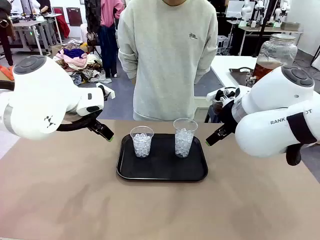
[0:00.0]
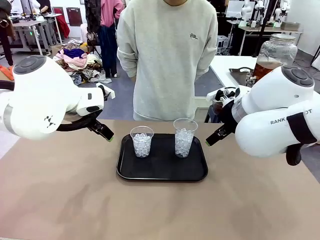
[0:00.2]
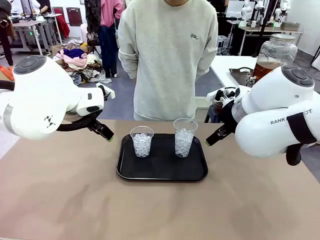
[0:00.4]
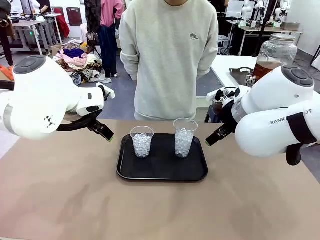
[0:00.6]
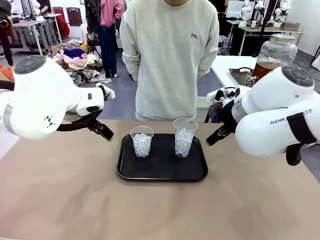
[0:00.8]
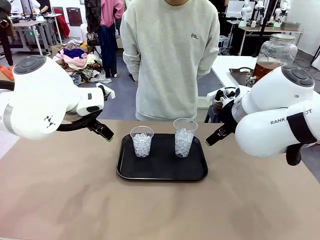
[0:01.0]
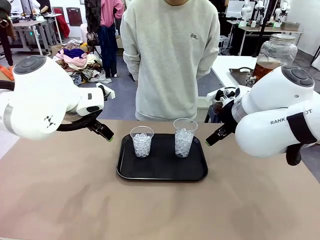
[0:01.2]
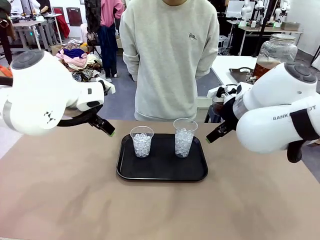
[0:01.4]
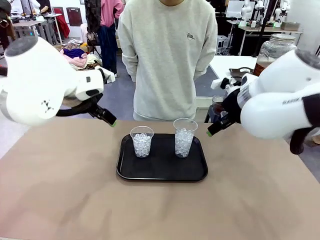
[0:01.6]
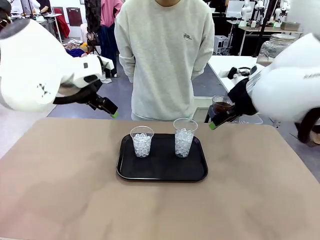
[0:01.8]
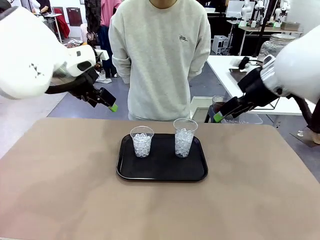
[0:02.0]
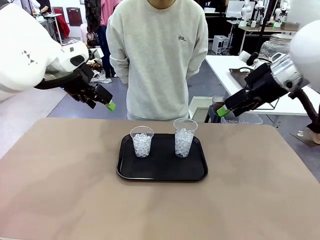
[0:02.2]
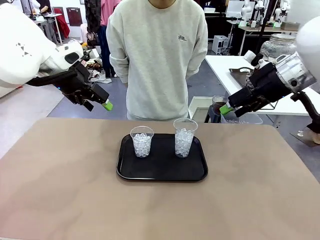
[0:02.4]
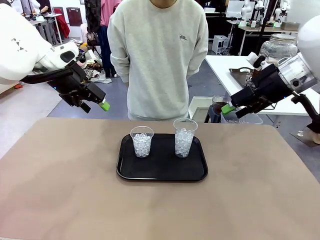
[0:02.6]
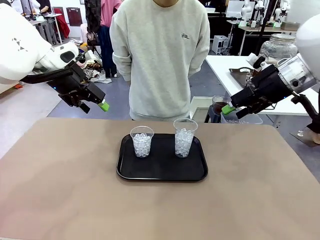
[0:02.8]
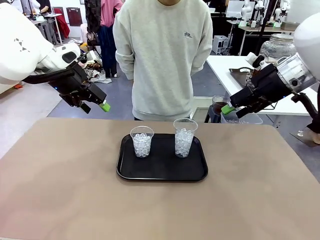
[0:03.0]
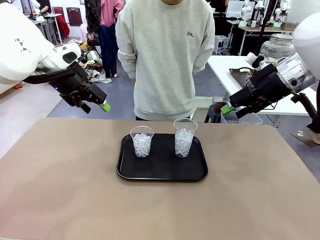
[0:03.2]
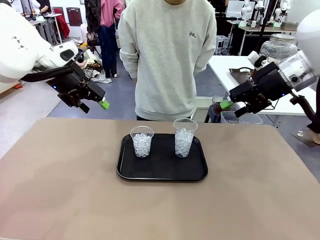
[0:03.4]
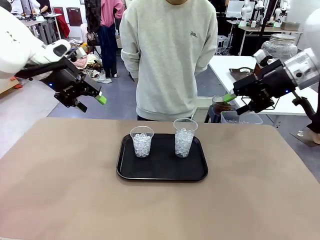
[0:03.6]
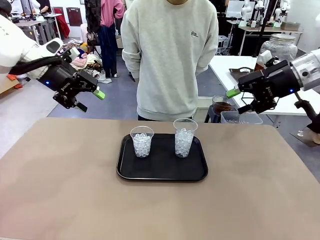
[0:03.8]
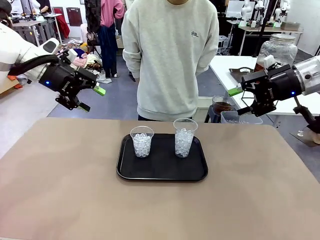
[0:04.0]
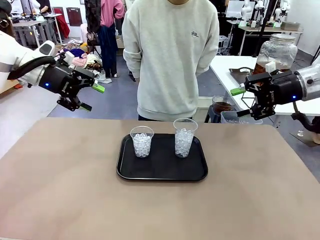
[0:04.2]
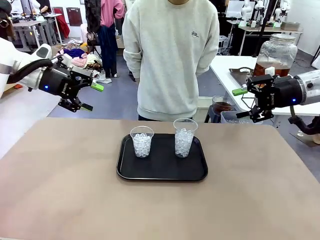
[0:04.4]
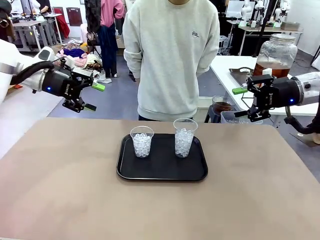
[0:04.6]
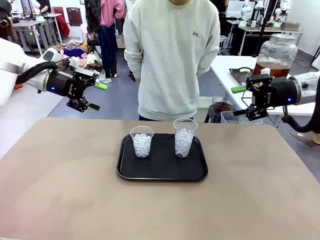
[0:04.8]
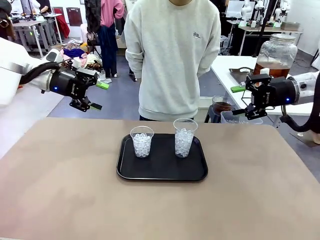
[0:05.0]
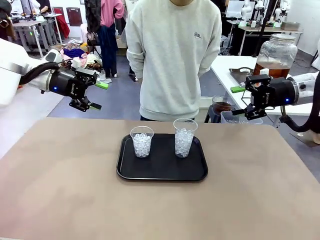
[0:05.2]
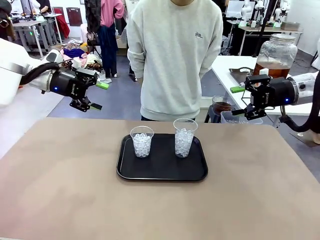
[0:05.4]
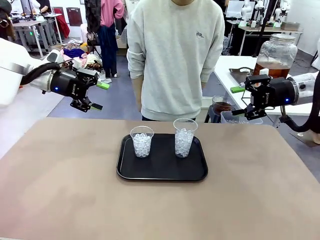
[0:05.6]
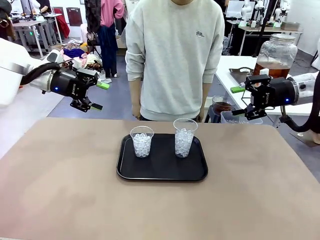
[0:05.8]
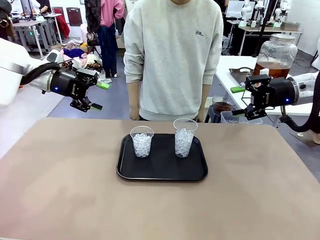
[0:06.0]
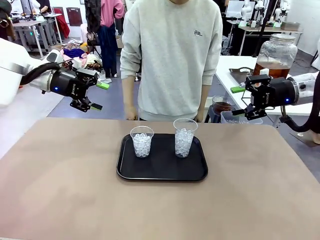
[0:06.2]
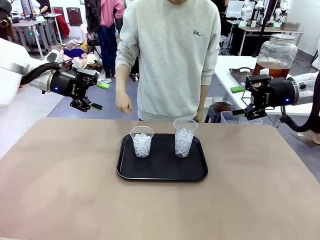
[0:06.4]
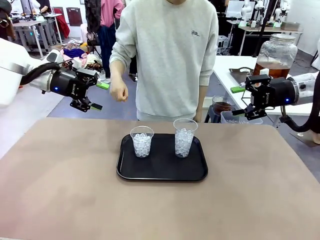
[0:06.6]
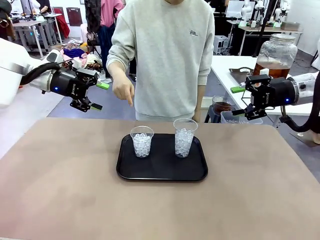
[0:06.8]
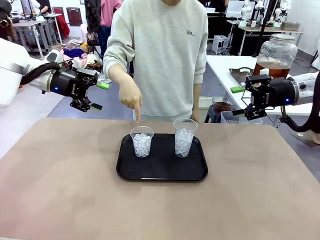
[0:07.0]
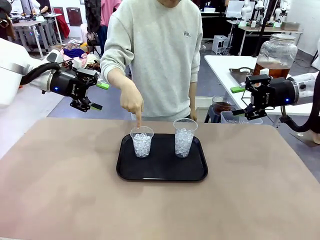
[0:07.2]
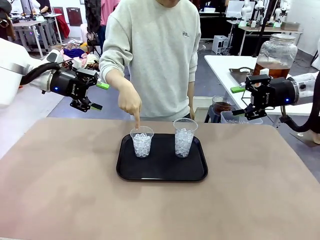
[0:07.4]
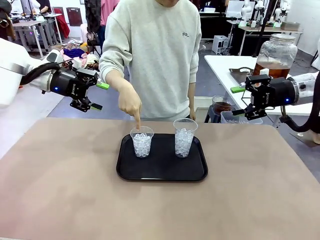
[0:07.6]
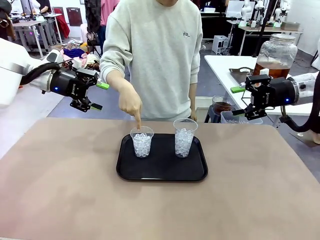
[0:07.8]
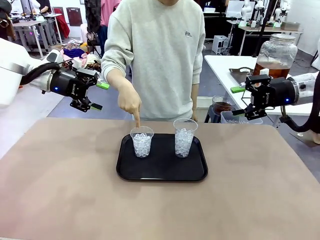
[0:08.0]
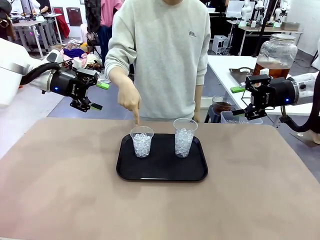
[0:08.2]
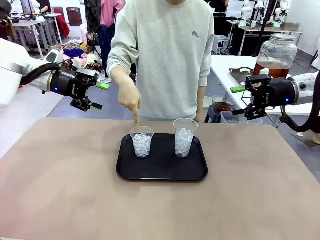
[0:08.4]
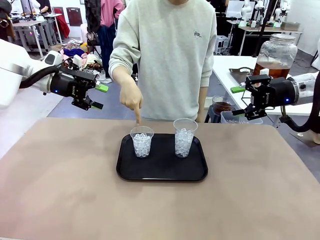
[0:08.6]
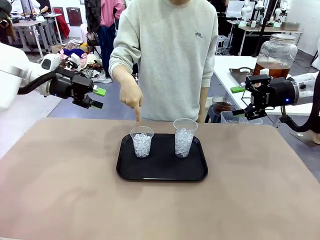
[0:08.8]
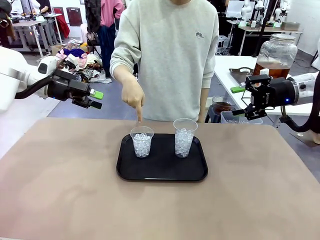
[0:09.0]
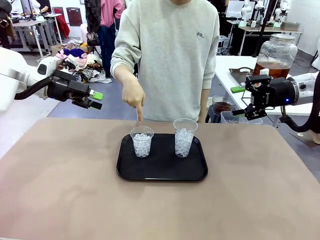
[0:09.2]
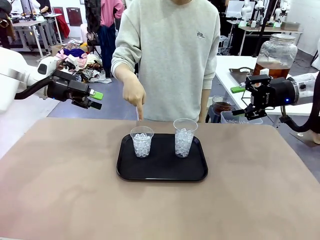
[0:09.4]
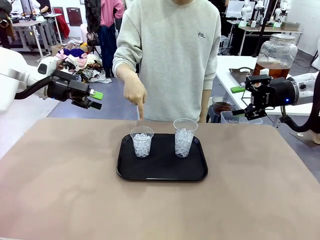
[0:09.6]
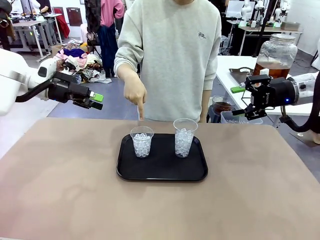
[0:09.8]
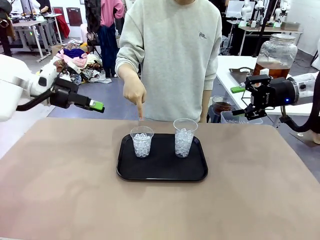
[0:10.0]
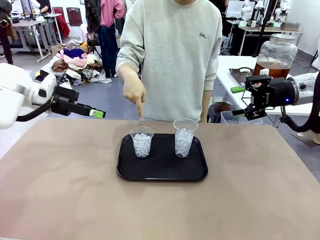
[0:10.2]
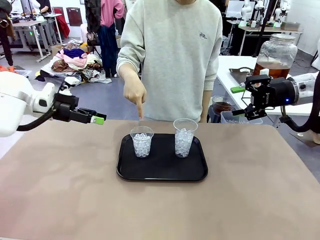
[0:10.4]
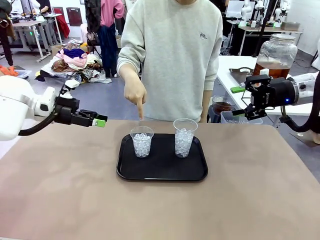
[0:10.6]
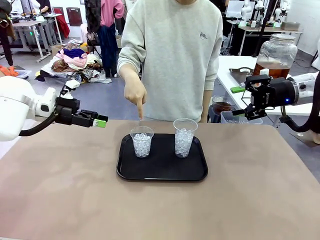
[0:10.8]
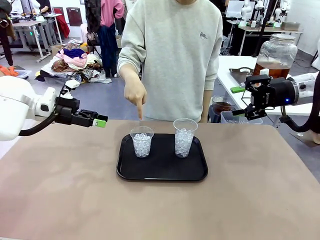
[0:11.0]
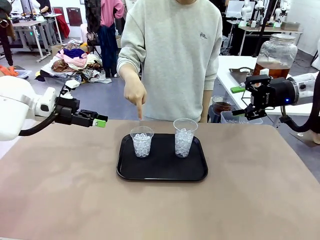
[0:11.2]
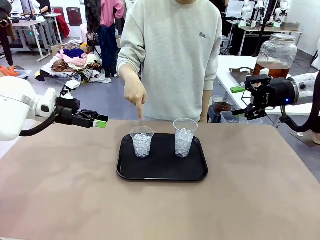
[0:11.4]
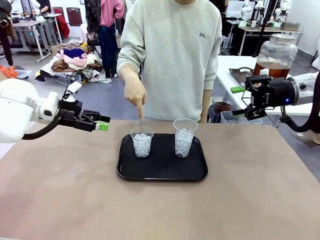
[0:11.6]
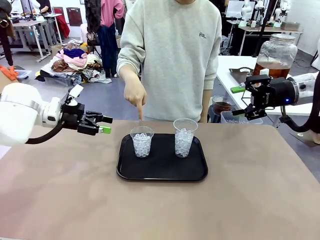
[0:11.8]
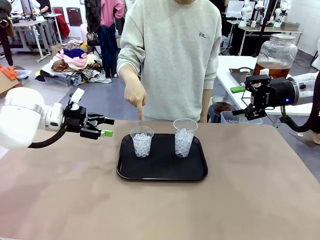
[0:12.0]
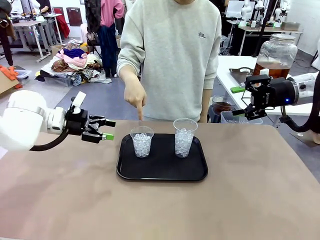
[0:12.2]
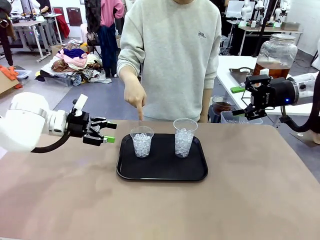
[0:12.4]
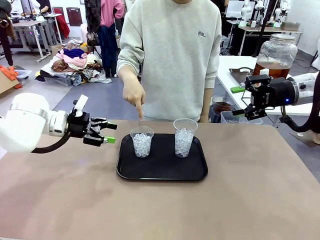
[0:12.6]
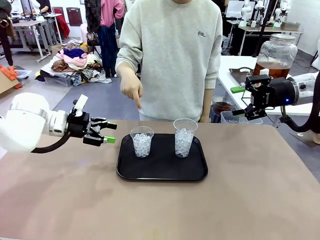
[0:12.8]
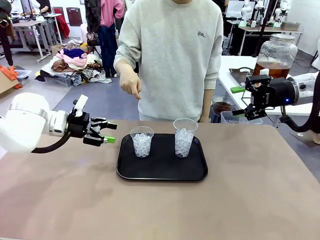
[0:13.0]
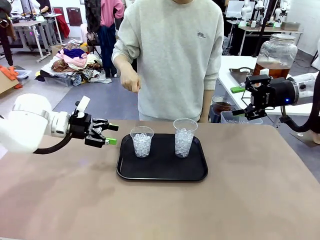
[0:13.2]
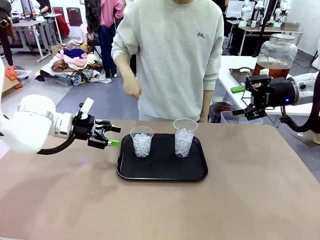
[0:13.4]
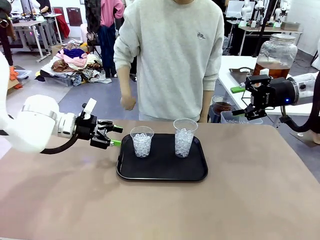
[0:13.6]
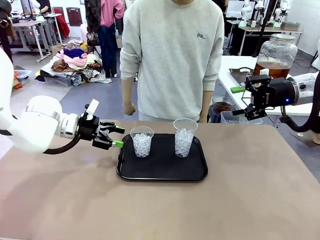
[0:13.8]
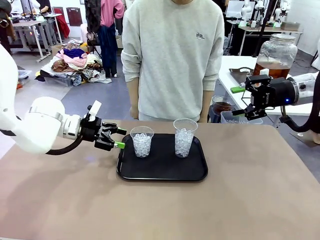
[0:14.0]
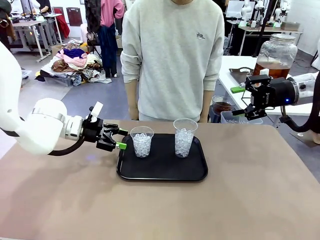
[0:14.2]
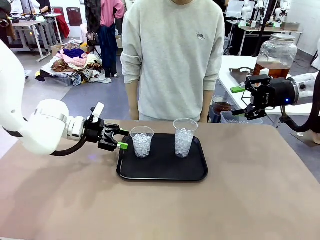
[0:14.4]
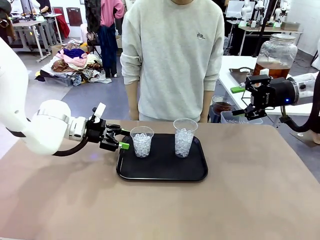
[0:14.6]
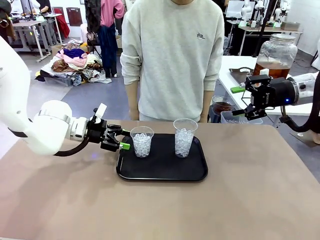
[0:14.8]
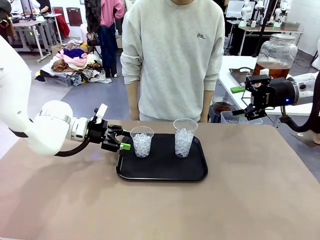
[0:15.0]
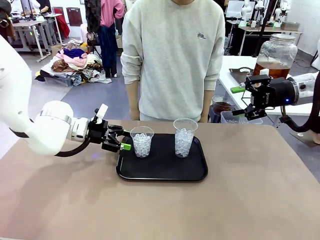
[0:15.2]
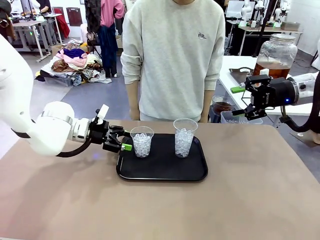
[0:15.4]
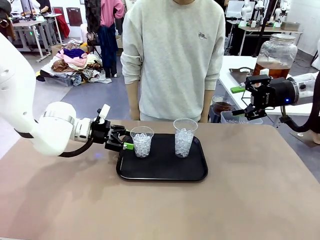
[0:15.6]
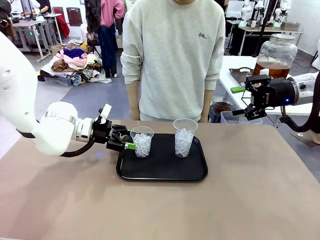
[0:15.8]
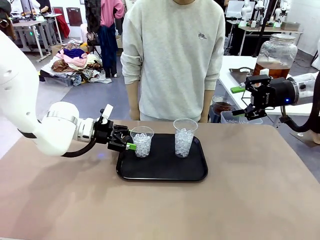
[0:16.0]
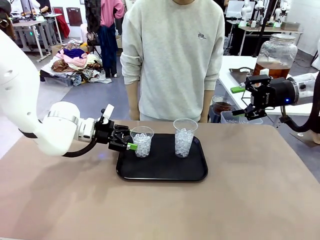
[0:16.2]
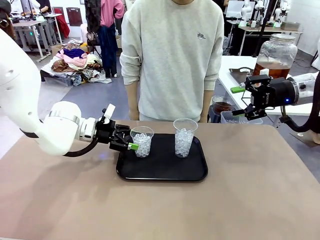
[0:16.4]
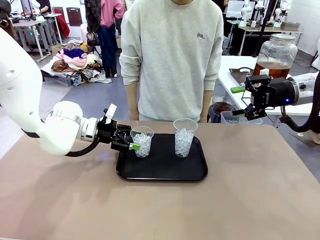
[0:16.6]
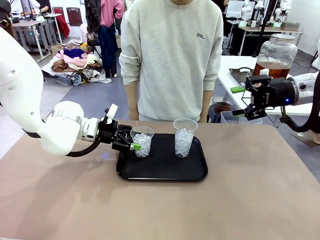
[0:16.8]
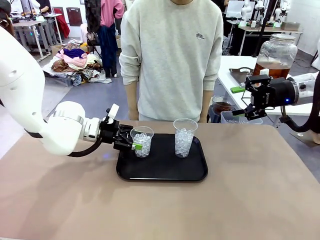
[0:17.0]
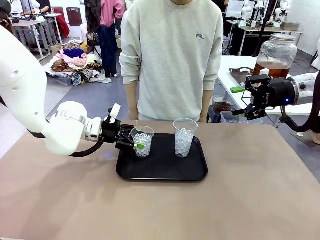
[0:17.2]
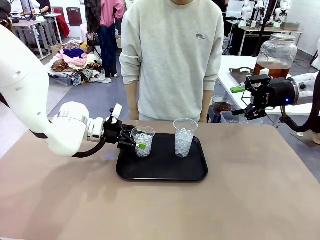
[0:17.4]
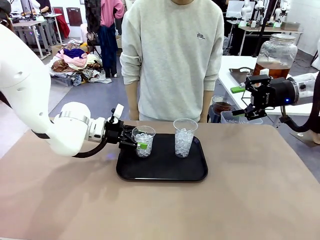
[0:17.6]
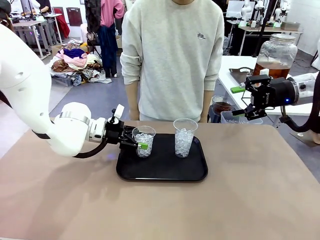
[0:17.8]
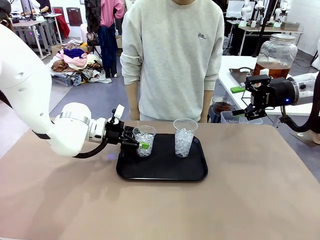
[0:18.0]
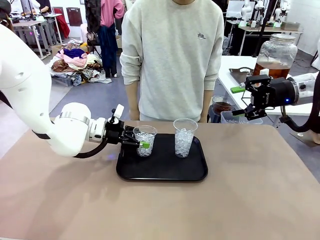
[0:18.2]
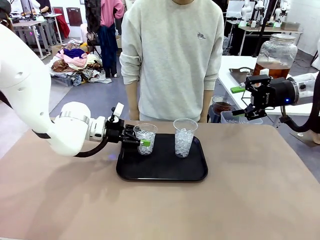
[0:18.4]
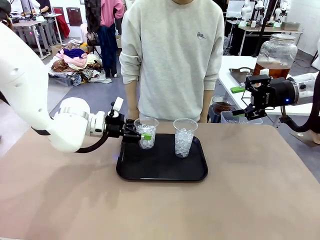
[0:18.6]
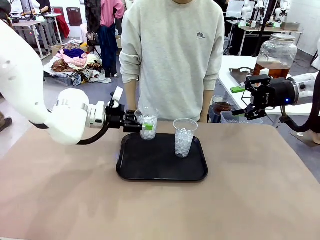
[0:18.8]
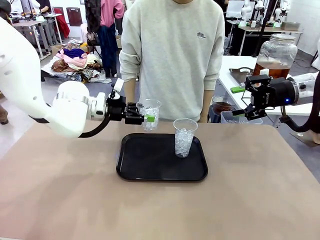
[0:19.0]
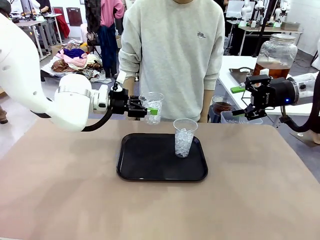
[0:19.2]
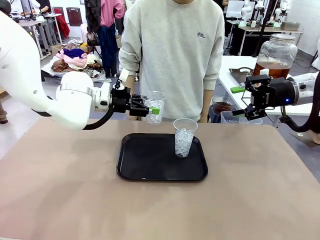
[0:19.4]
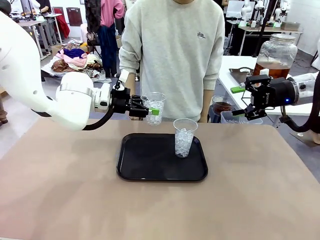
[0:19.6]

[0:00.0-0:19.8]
Task: Pour the drink into the iced cup.
Robot: Pick up the iced cup indicated by the human and present it to them.
Person: Point to one of the two ice cups. Pick up the cup offered by the robot.

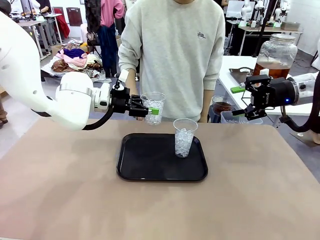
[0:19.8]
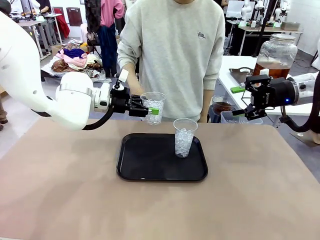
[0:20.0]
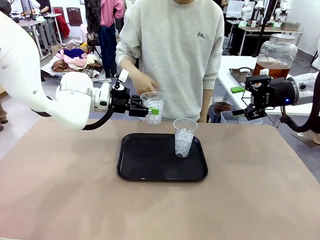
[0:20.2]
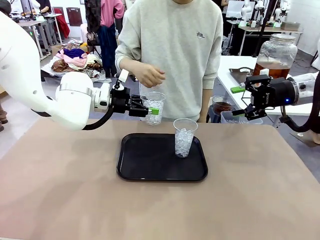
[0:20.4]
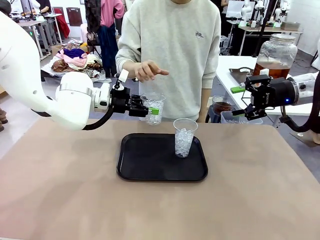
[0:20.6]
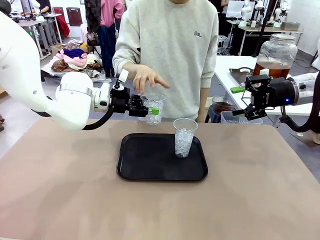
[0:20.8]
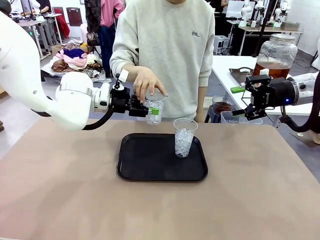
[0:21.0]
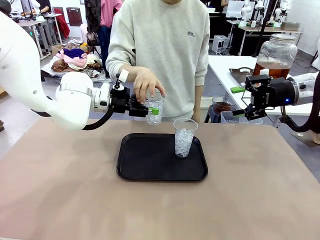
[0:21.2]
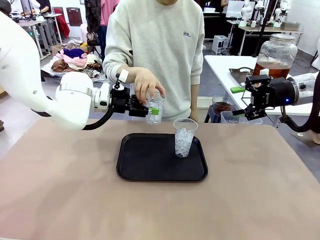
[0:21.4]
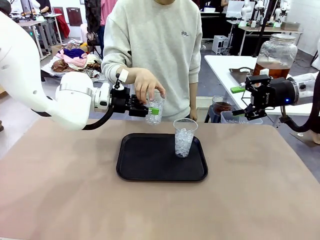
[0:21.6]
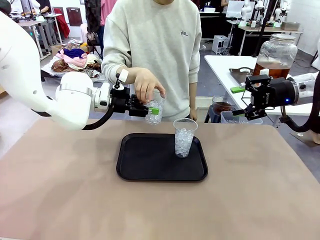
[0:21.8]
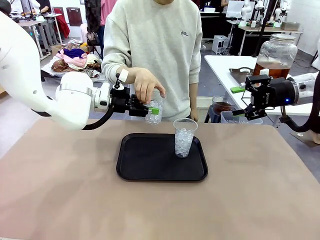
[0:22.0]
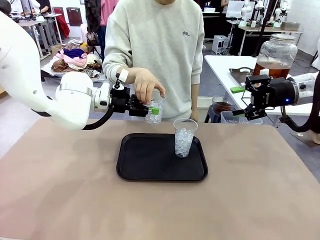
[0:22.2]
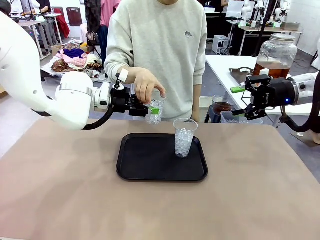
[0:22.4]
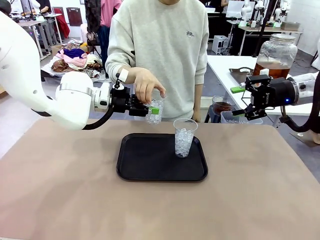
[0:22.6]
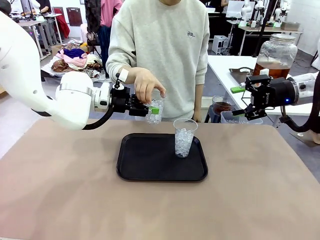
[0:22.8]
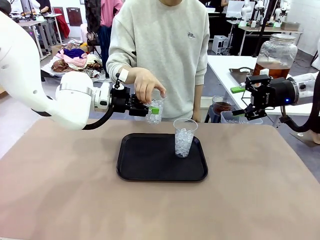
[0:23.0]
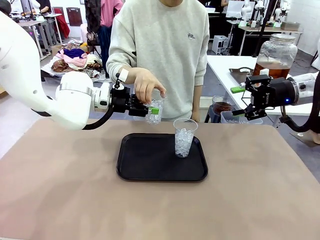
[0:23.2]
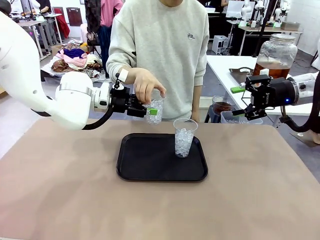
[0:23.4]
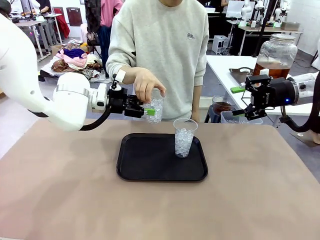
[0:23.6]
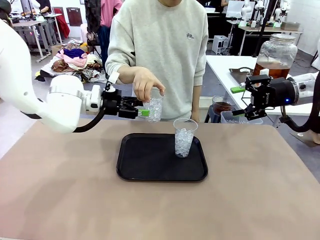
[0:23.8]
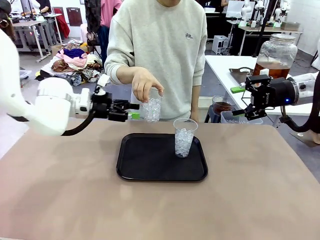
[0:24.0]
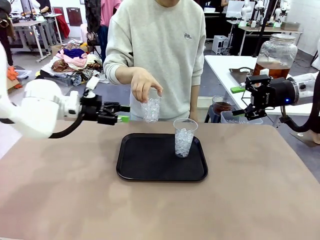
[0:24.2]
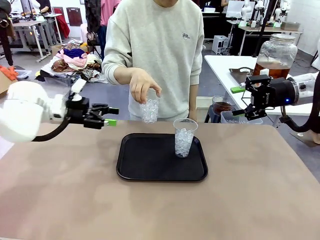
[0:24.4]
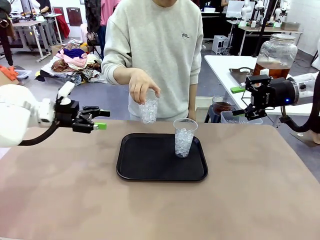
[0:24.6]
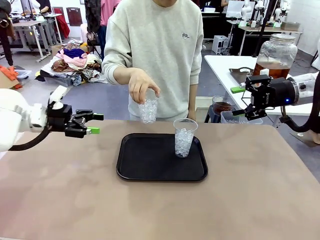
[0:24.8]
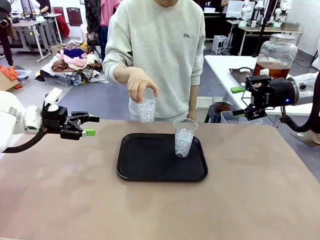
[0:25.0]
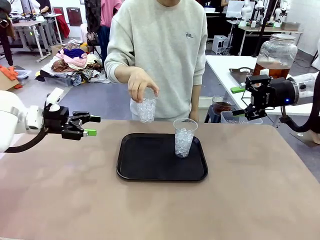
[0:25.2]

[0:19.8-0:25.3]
Robot: Open the gripper to release the iced cup you were holding.
